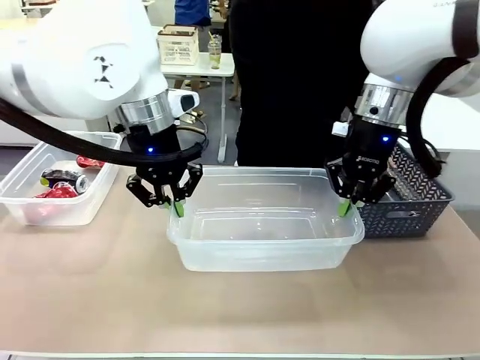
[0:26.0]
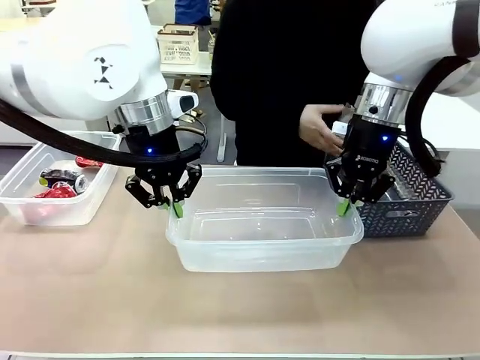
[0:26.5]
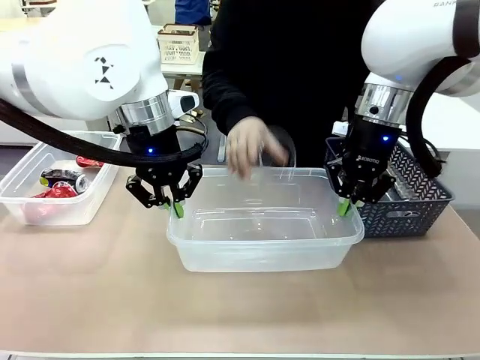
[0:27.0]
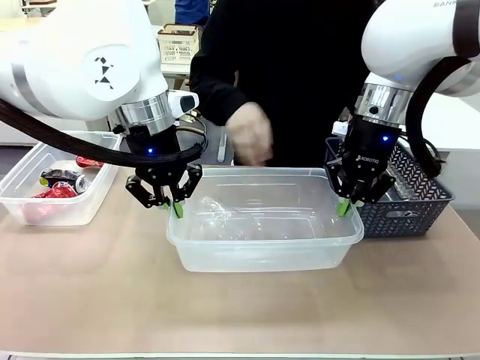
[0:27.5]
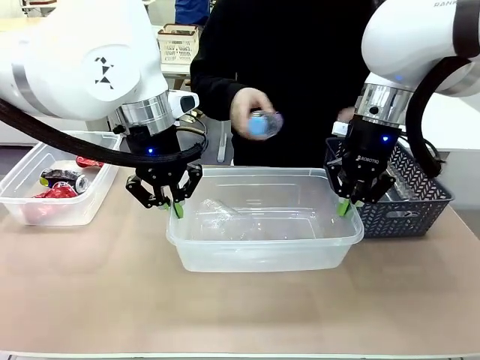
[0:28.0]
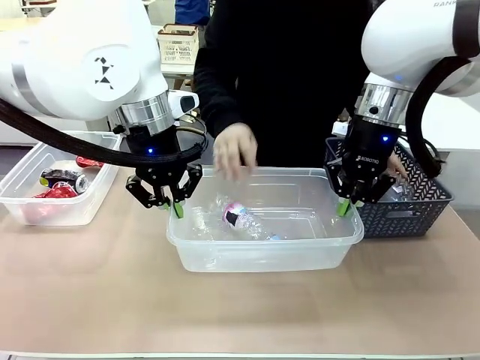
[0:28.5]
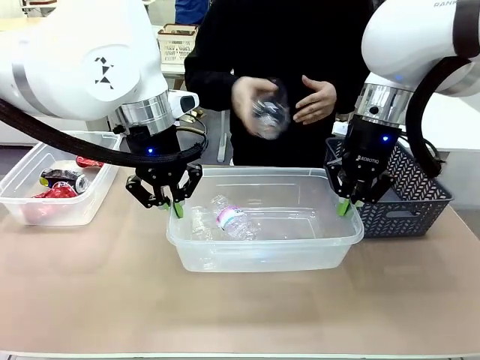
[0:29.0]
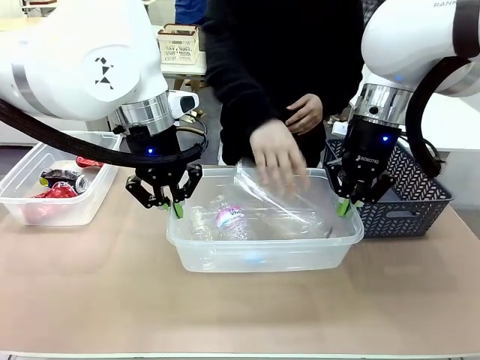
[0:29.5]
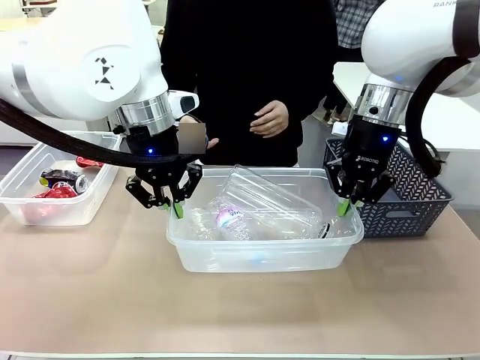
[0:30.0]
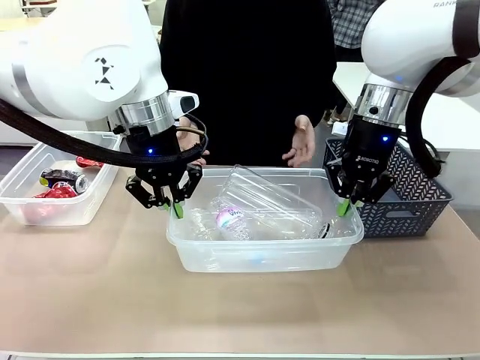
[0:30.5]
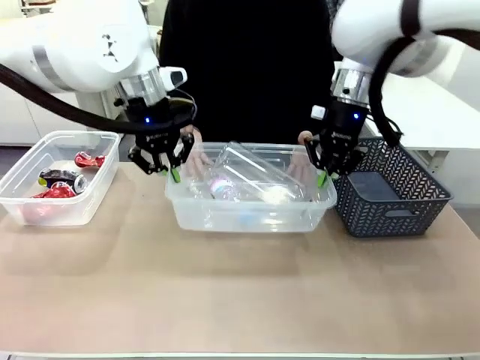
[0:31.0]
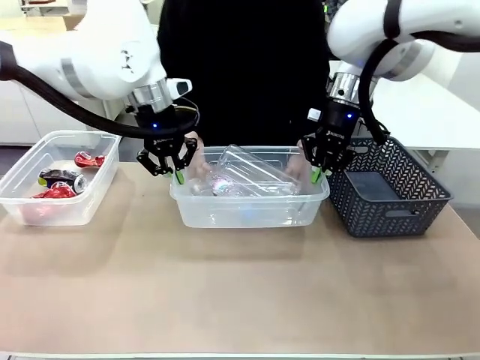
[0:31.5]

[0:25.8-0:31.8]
Robot: Offer the picked Organizing box to the human.
Person: Pick up plastic waste one by one and place it into the organizing box lifted by the robot.

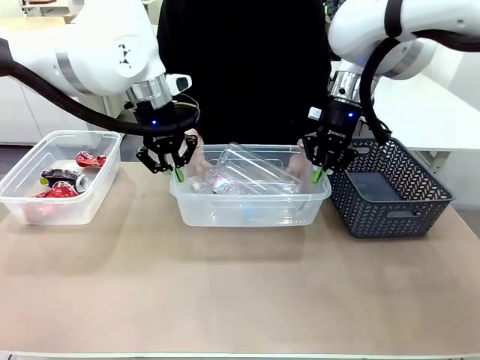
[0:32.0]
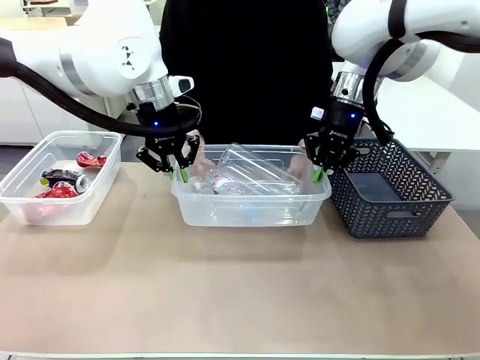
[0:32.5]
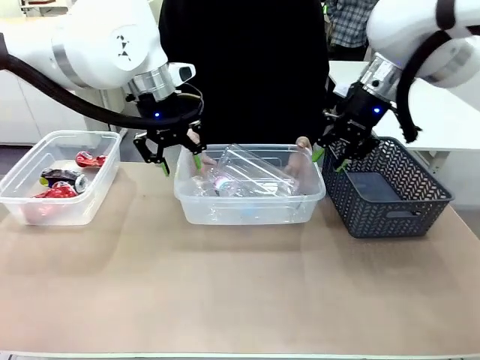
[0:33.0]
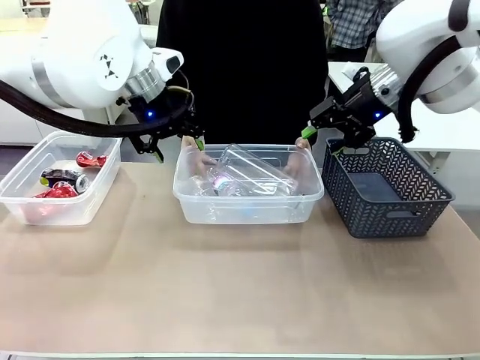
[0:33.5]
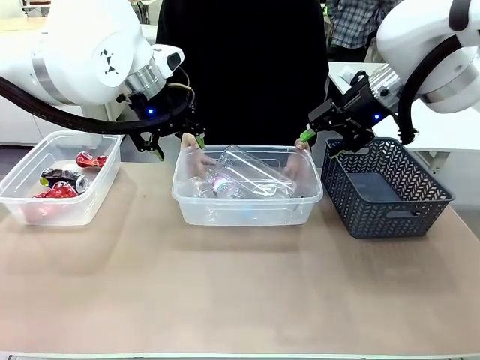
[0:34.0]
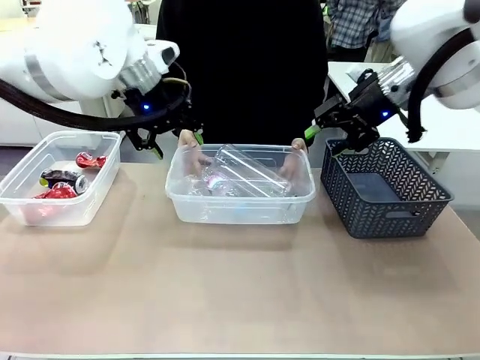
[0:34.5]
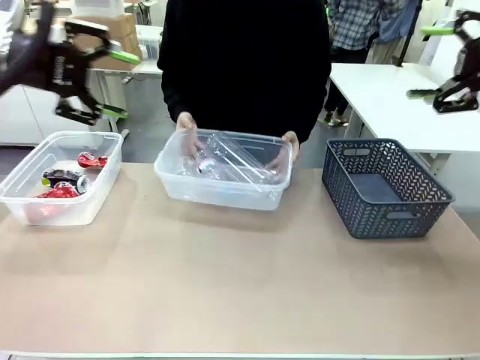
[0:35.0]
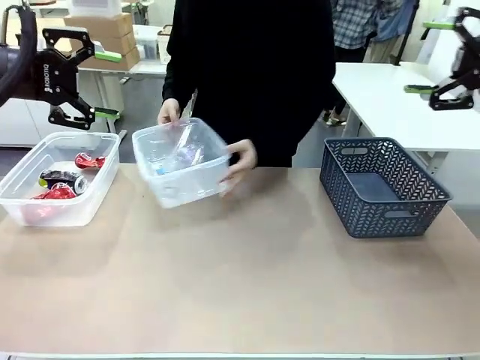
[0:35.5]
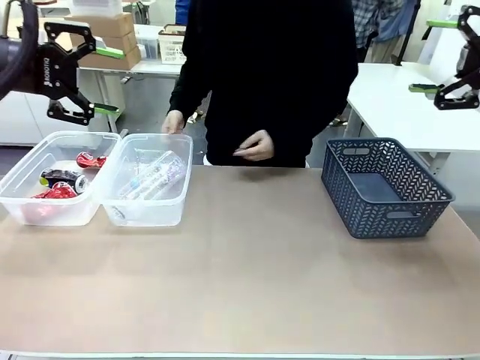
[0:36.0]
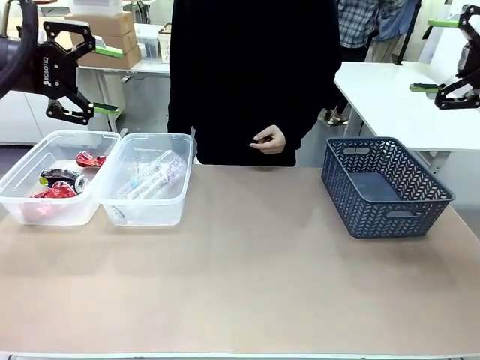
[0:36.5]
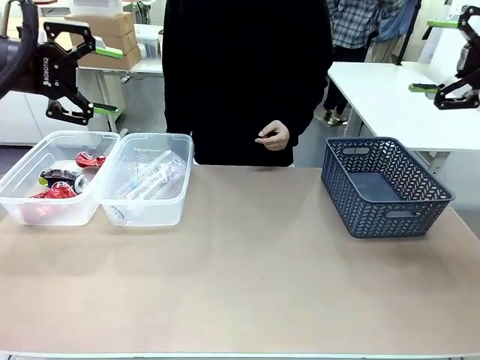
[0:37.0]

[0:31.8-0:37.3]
Robot: Release the Organizing box you were holding.
Person: Pick up the organizing box extended by the robot. Place the organizing box to the left of the sorting box containing the can waste.

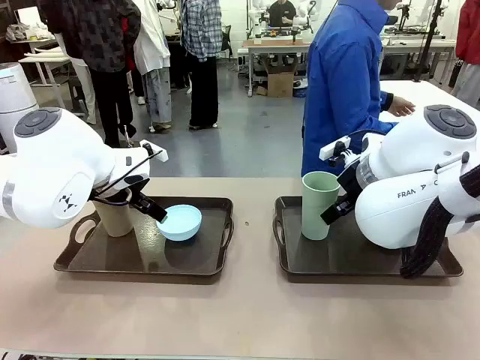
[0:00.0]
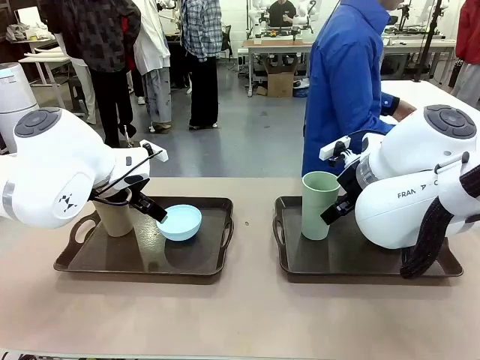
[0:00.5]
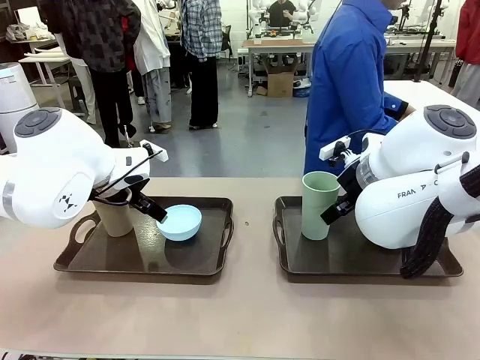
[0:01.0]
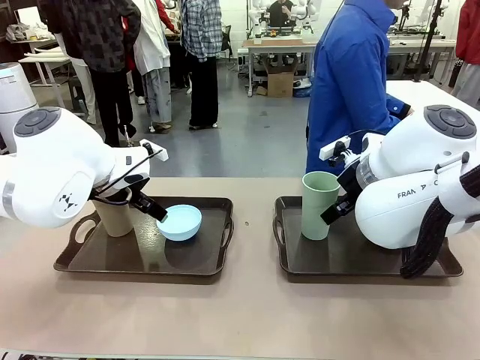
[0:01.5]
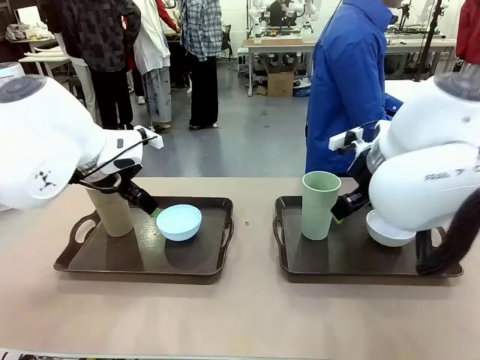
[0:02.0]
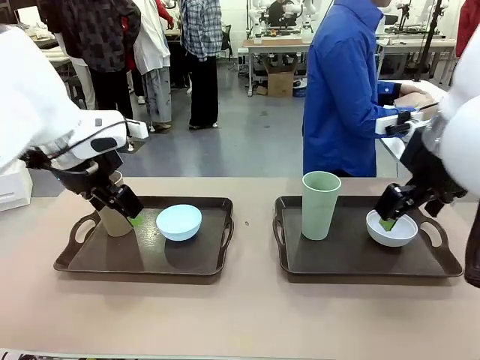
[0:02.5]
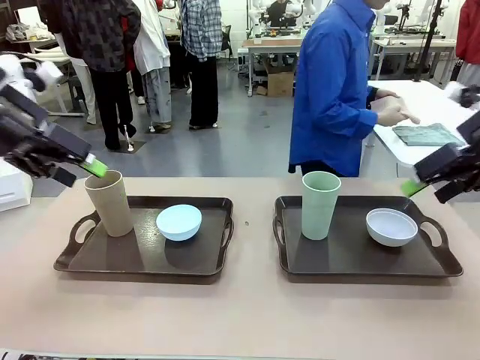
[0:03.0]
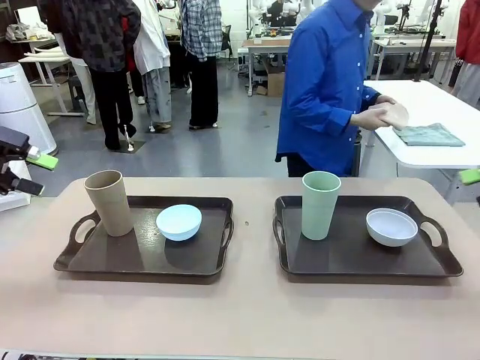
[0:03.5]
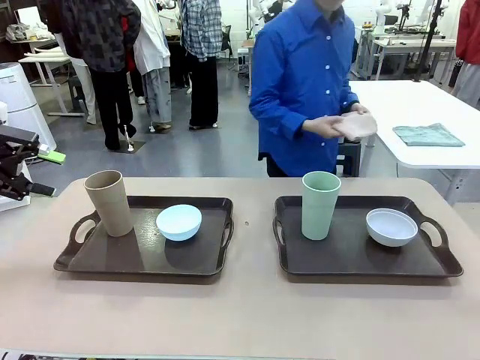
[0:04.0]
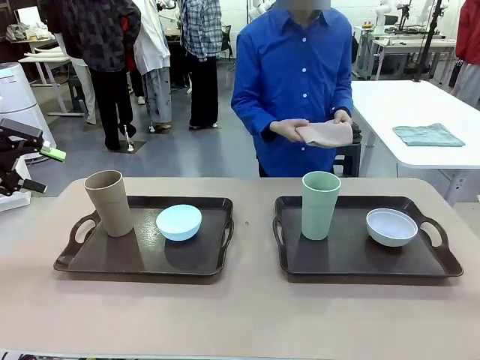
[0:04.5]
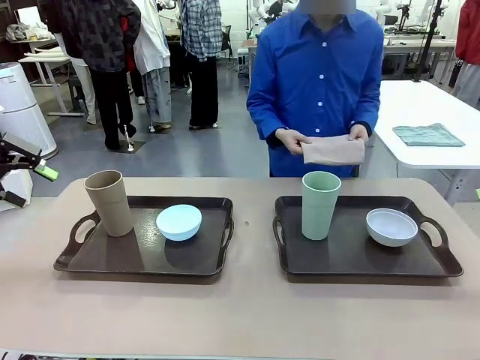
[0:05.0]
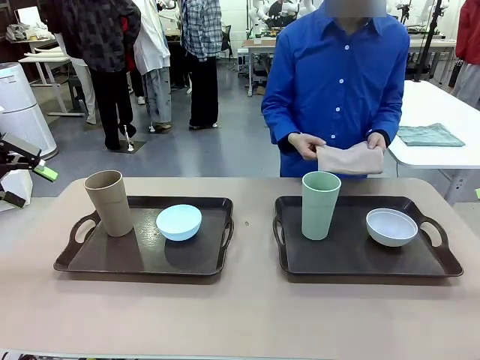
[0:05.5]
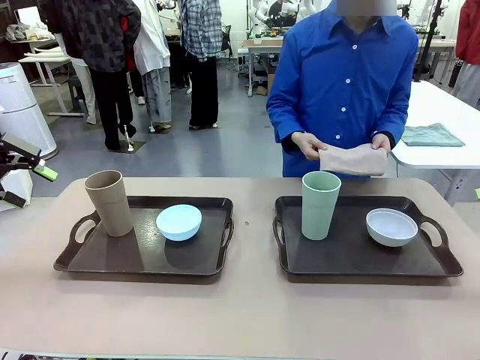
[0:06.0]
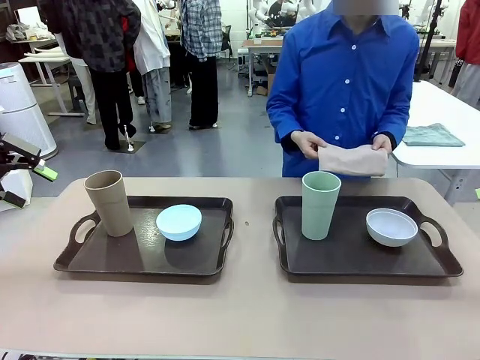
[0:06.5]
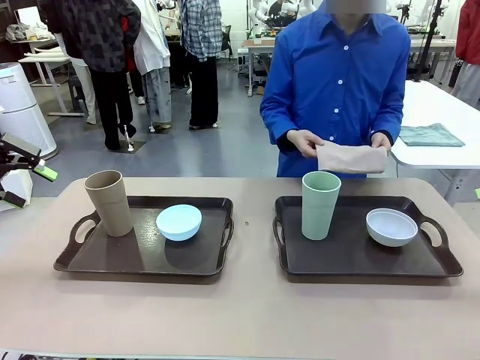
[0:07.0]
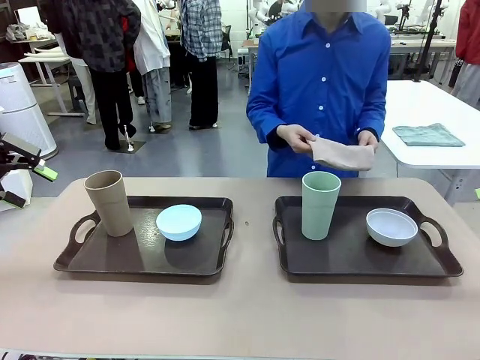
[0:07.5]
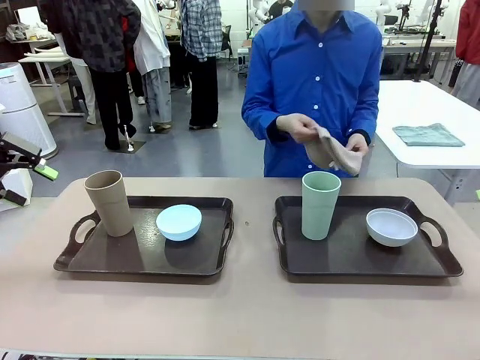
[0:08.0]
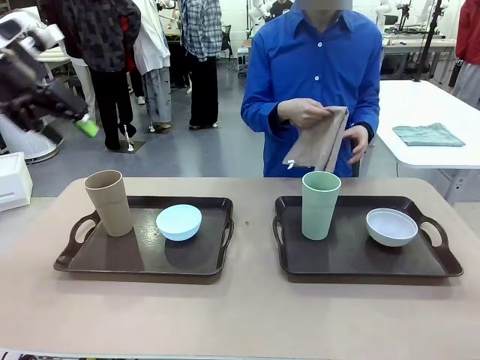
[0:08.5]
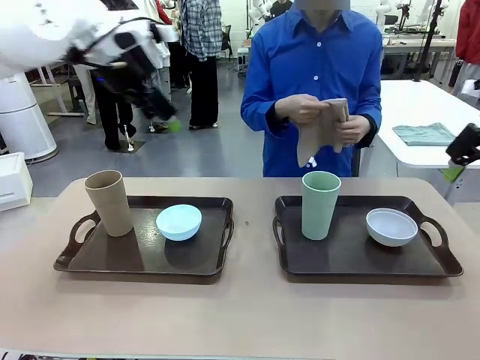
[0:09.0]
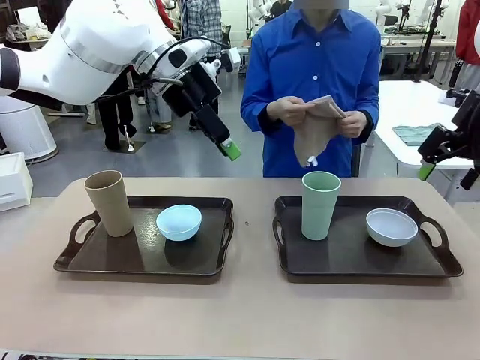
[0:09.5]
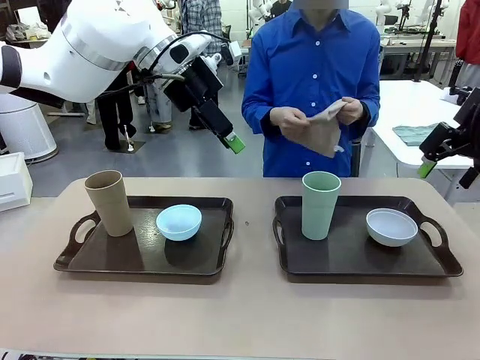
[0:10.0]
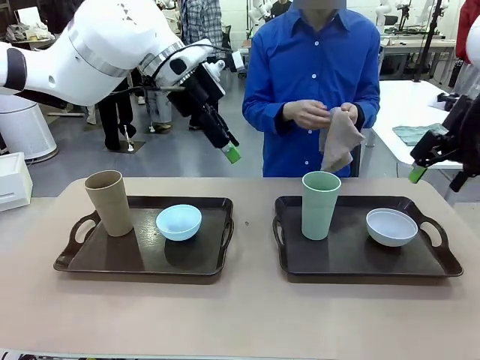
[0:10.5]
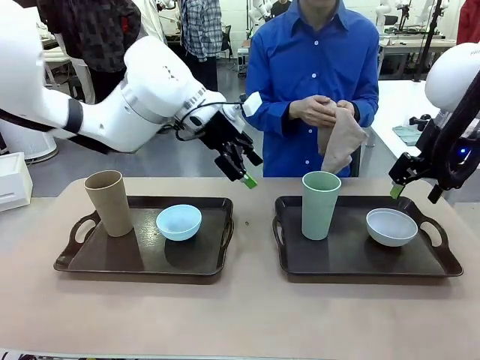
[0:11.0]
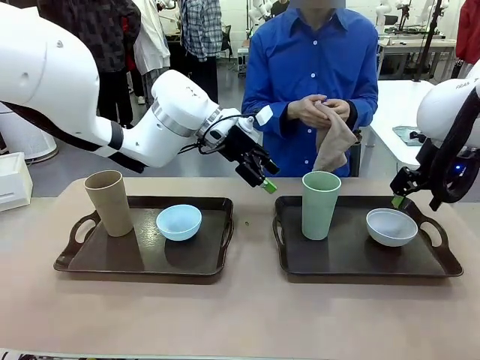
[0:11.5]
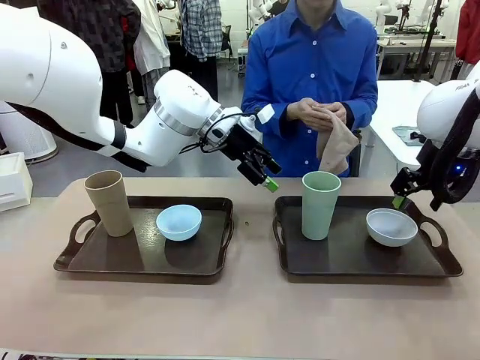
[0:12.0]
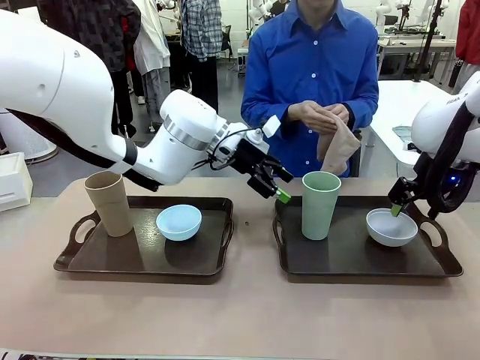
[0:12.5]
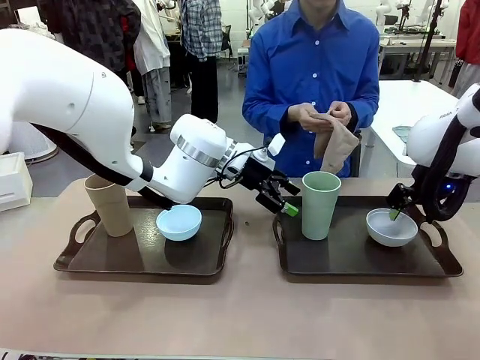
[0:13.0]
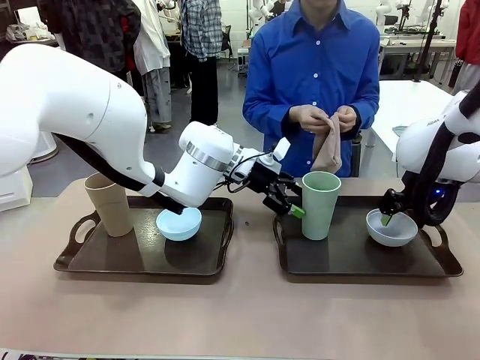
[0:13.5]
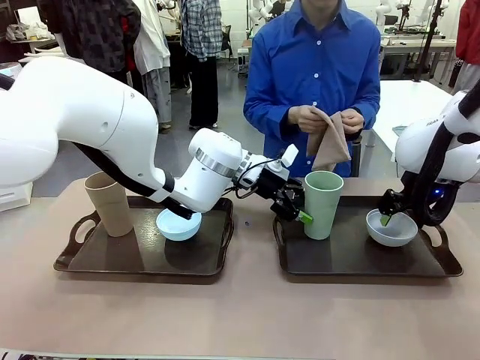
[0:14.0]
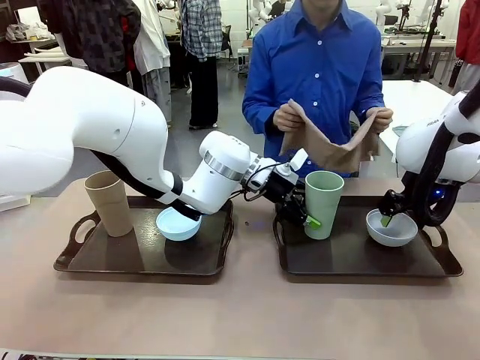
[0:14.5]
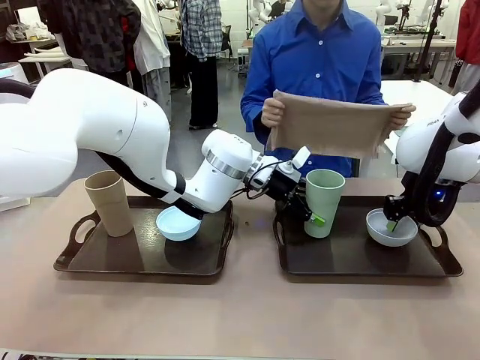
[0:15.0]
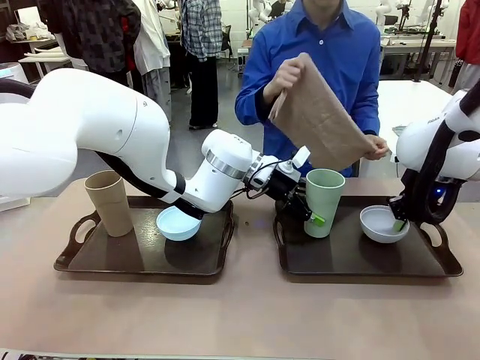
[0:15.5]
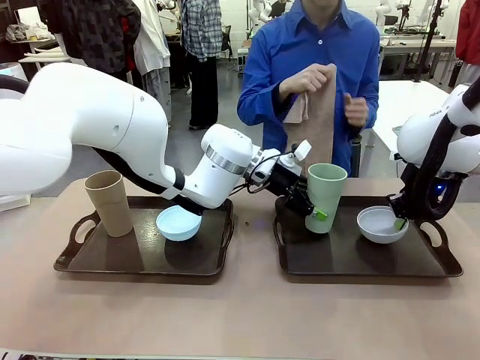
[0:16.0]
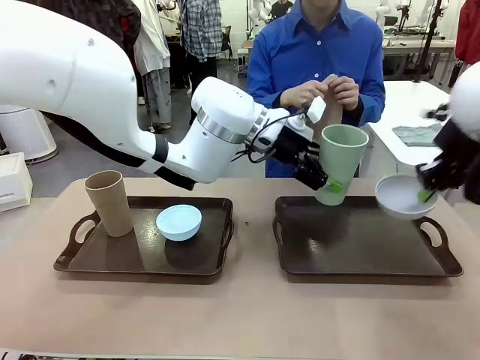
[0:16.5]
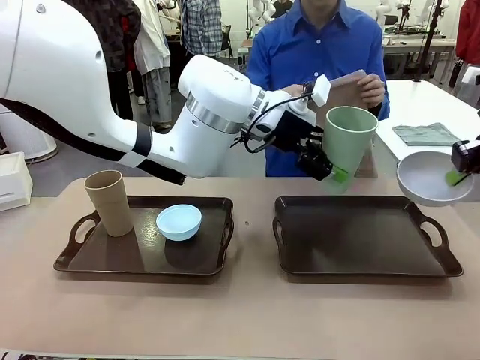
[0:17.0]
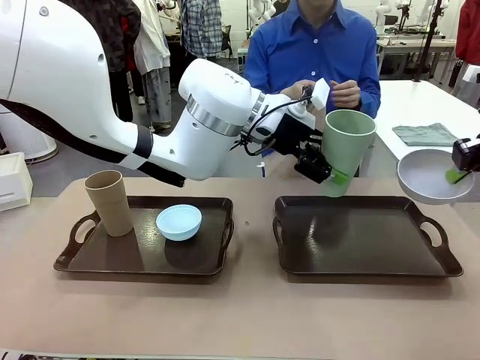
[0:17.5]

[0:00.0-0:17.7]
Robot: Pick up the Picnic Bowl and Reusable plastic cup from the Handle tray in front of the human's position and hold them in the air.
Person: The human picks up the top napkin from the stack on the human table and walks to the robot table to stand in front of one of the two trays. When the robot lifts the bowl and the cup, the human unfolds the napkin and lays the napkin flat on the tray.
